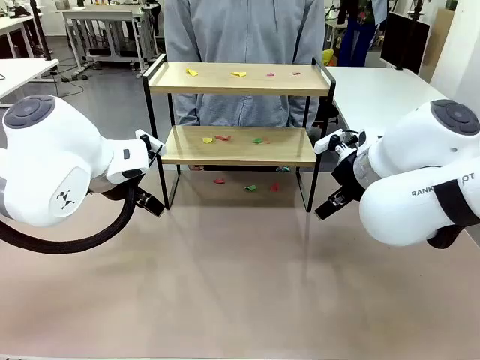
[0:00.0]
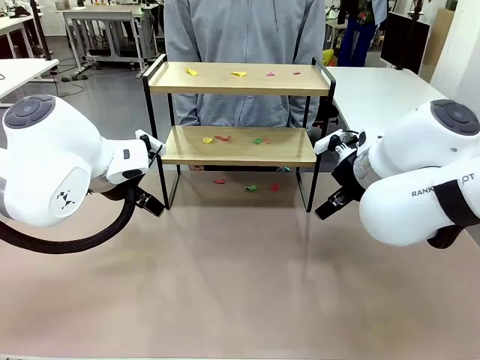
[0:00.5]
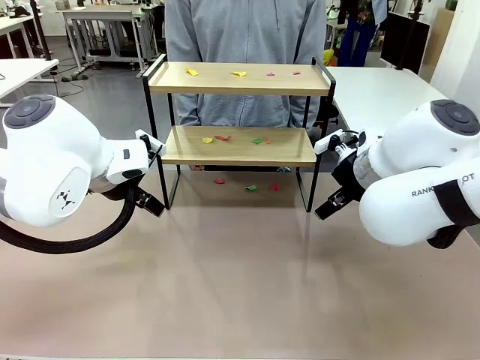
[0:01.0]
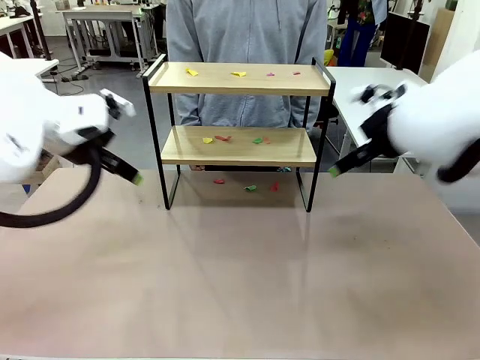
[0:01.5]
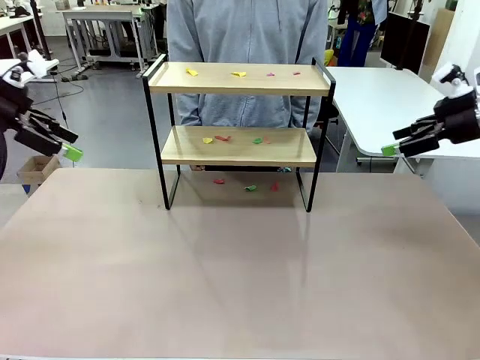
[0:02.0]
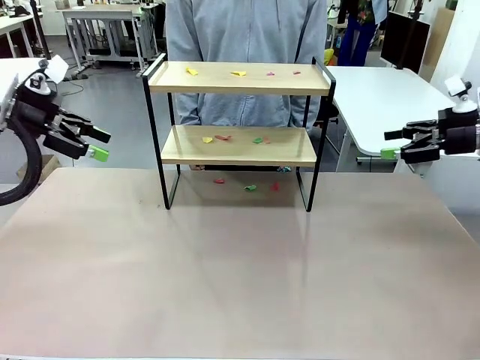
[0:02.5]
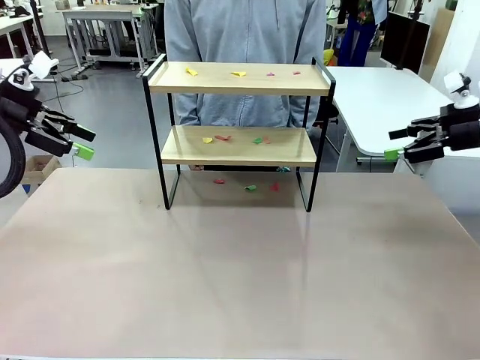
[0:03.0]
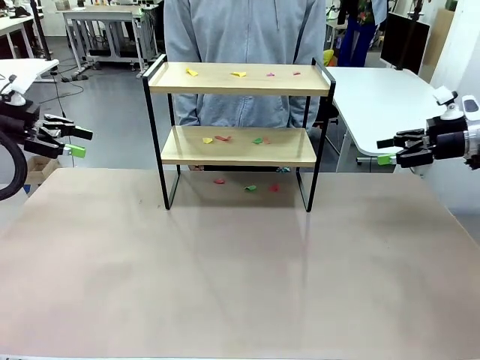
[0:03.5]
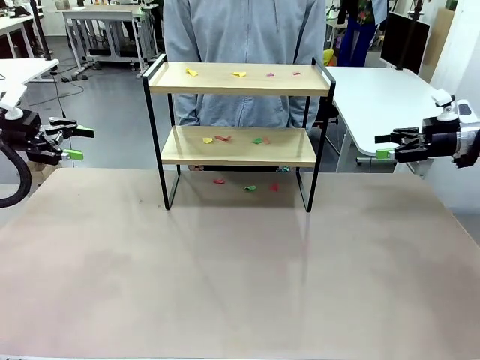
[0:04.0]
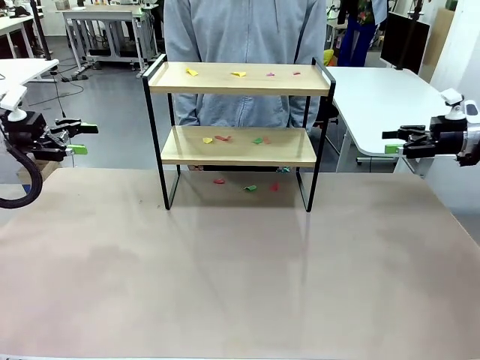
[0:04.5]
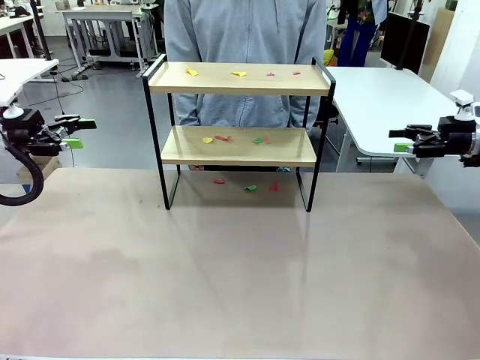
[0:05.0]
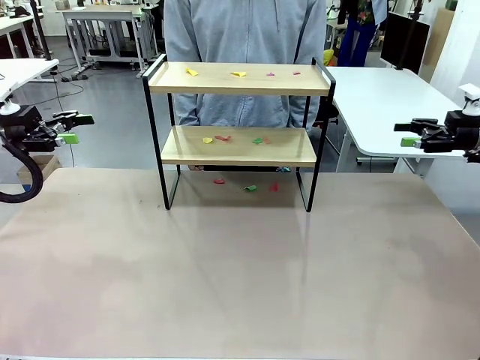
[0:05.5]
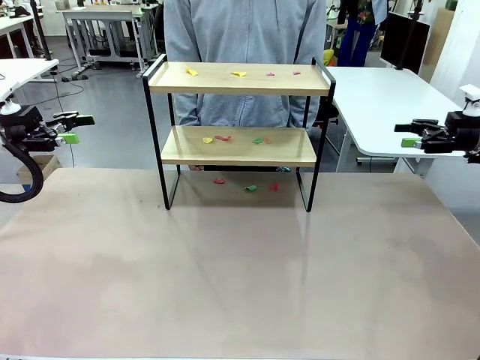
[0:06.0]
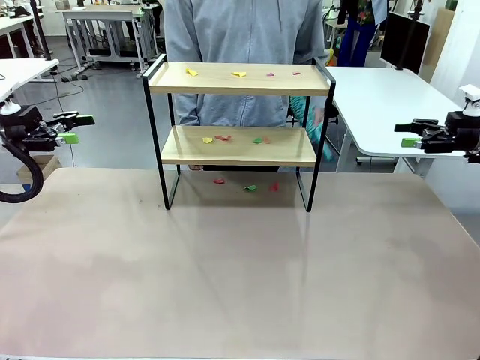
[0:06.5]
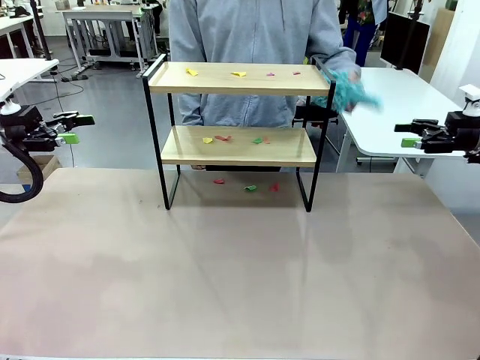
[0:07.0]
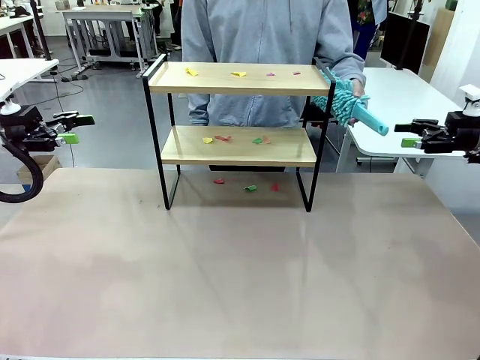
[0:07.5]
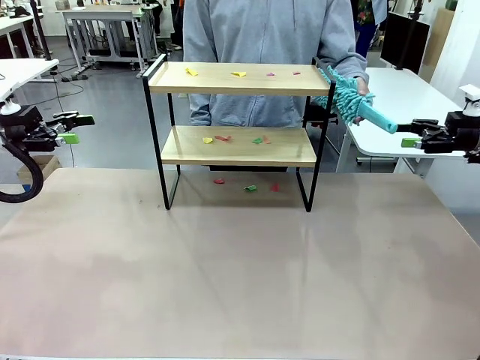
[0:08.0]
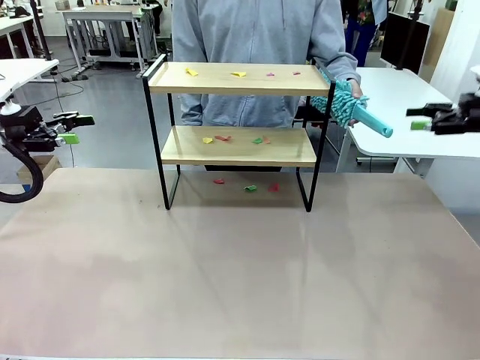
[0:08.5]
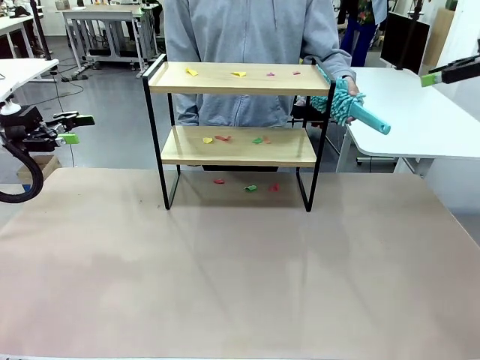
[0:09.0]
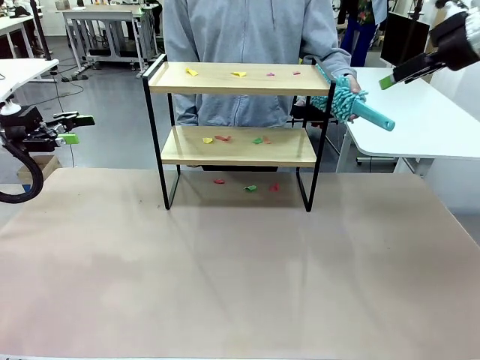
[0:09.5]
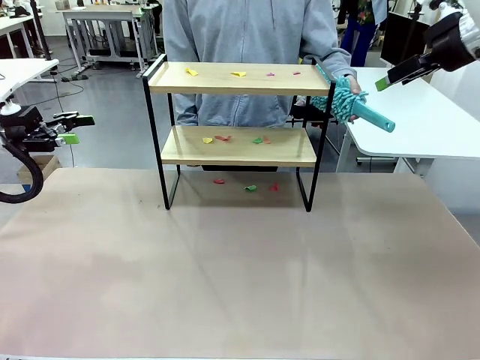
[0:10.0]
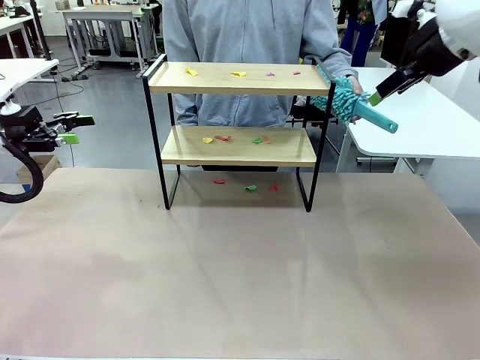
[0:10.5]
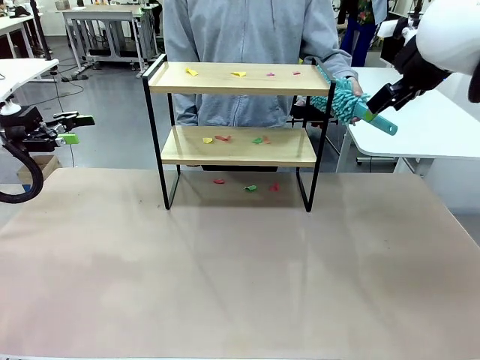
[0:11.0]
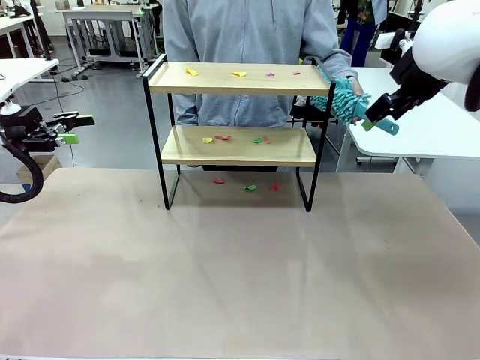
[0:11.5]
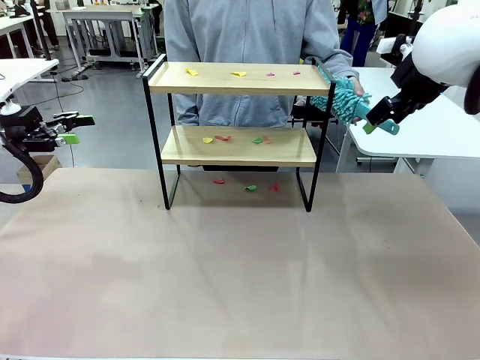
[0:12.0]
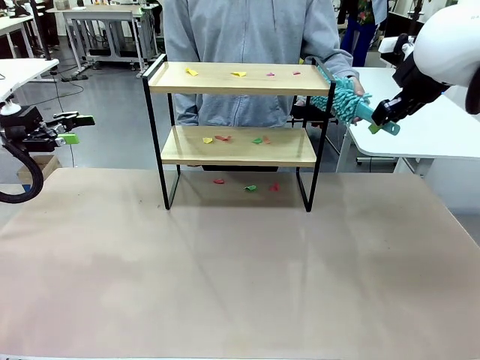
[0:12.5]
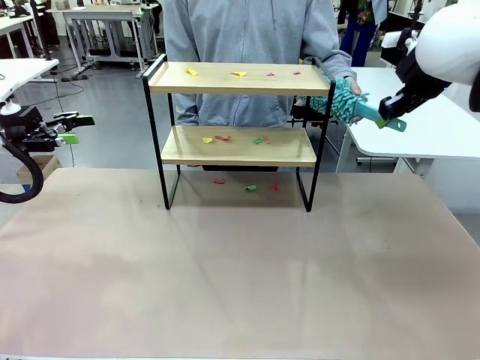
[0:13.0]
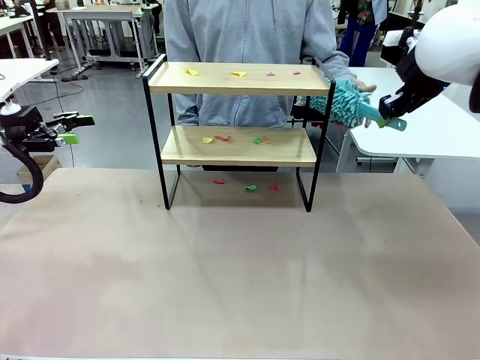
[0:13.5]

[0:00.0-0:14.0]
Task: Clean the shelf.
Robot: Pick up the Duster handed by the human.
Person: Hand the Duster to the robot.

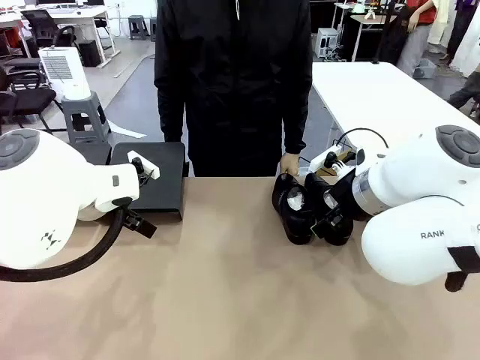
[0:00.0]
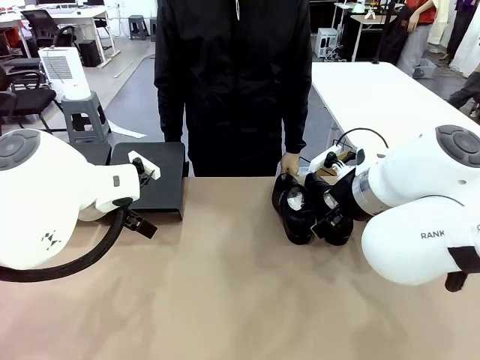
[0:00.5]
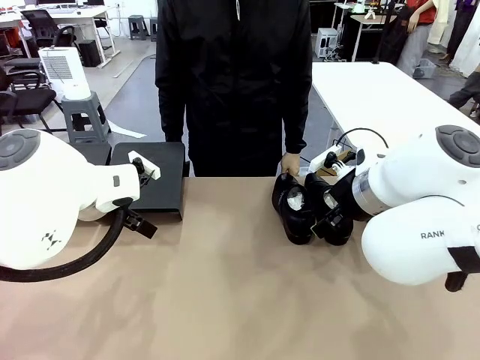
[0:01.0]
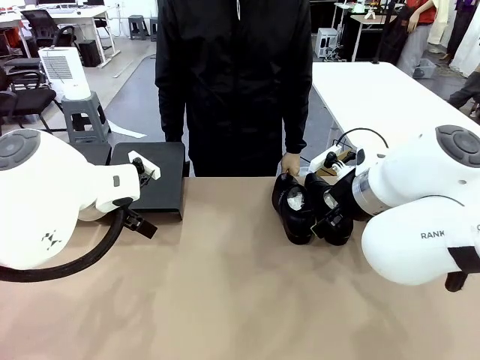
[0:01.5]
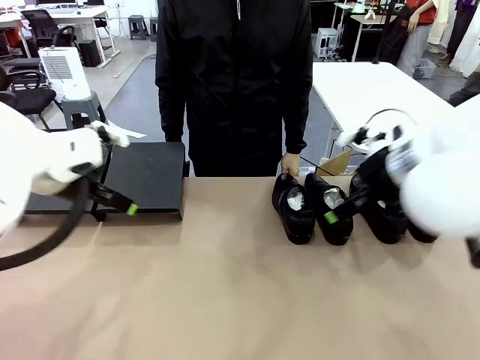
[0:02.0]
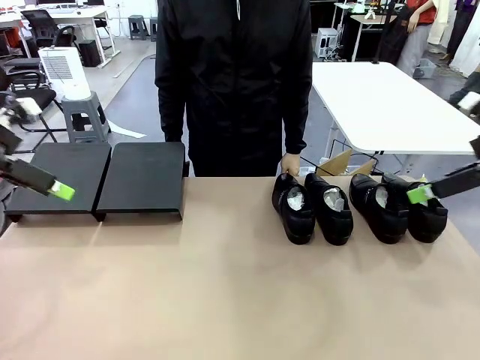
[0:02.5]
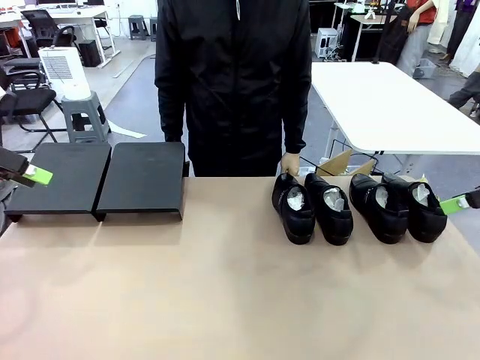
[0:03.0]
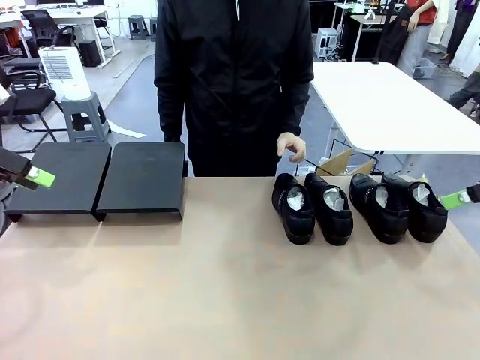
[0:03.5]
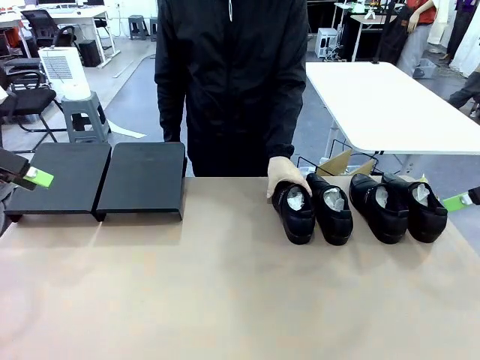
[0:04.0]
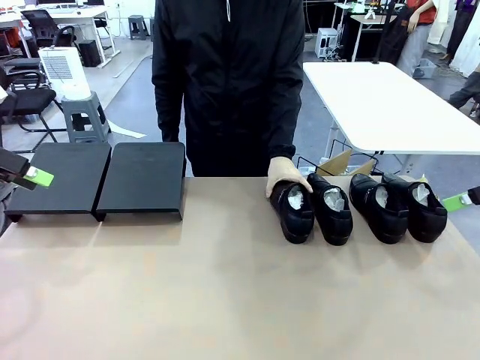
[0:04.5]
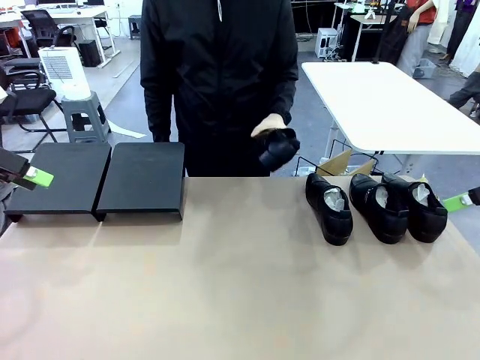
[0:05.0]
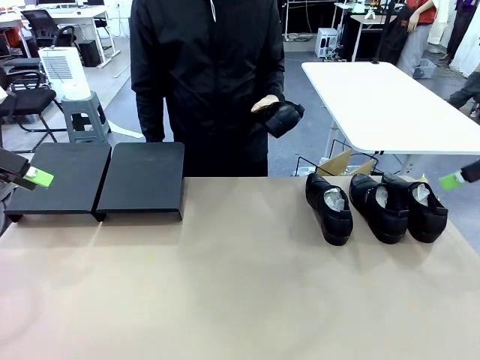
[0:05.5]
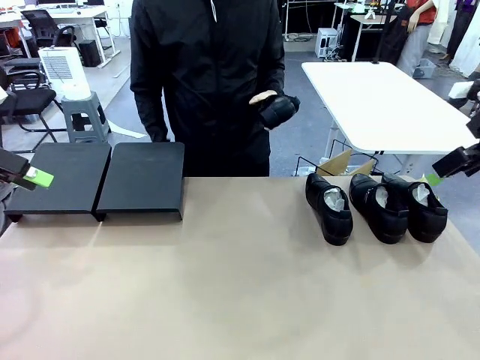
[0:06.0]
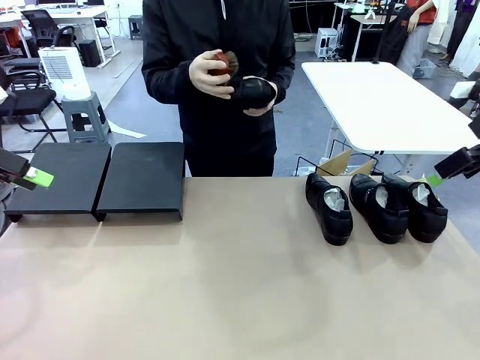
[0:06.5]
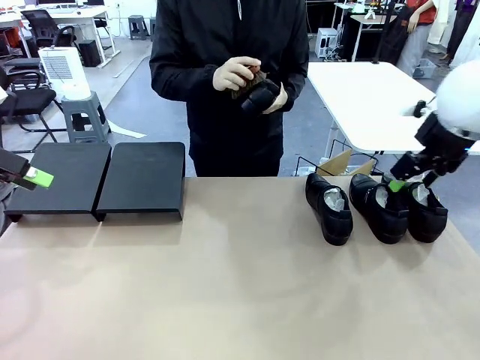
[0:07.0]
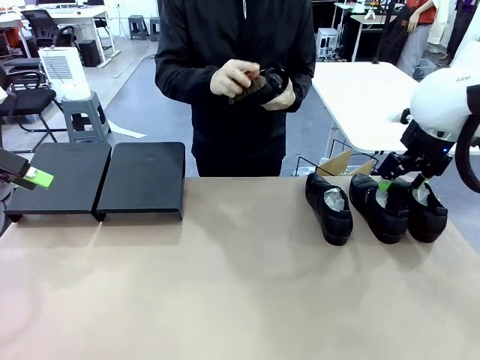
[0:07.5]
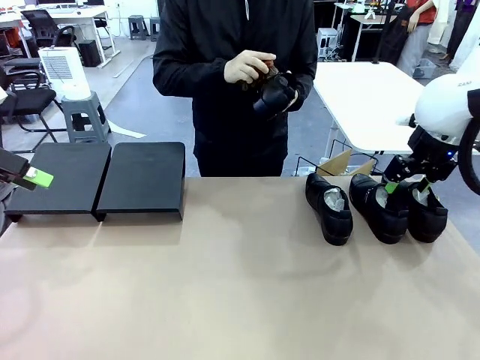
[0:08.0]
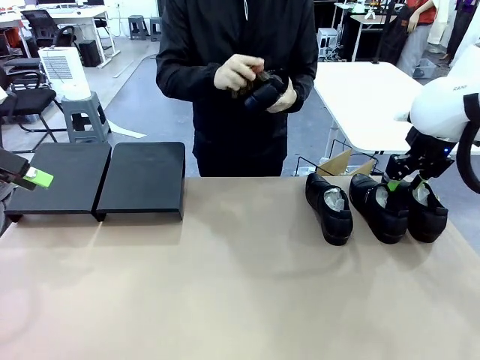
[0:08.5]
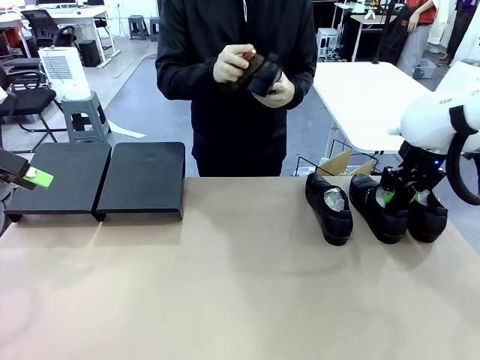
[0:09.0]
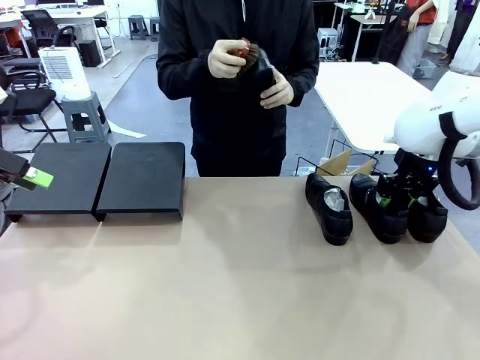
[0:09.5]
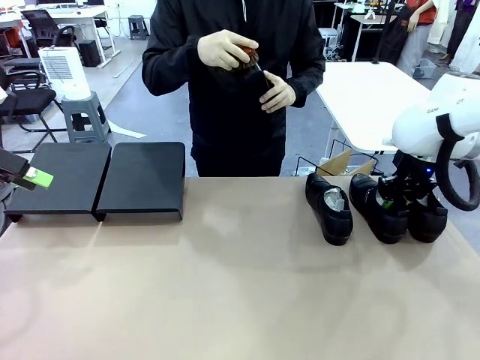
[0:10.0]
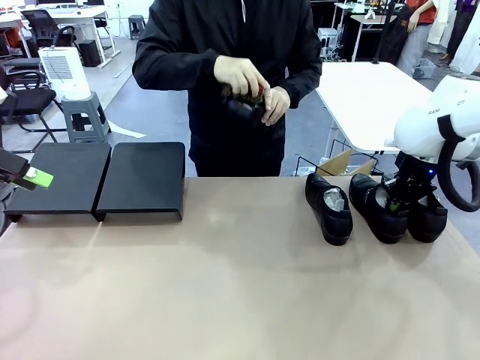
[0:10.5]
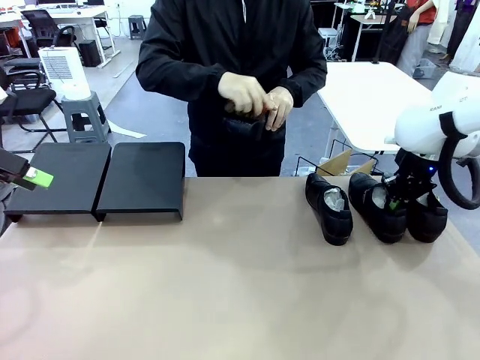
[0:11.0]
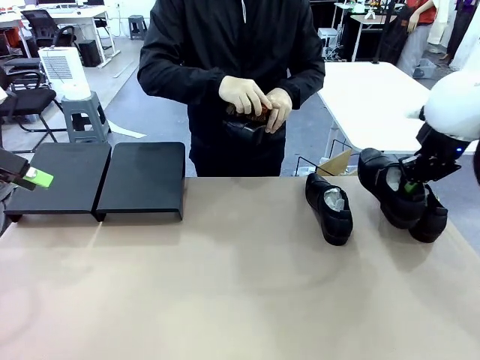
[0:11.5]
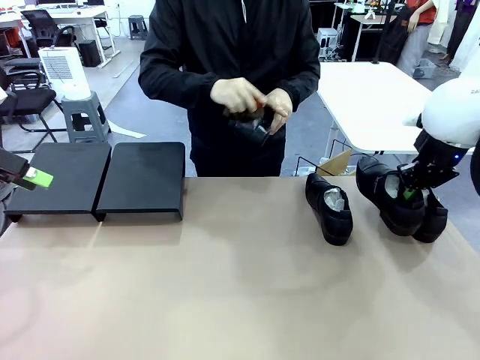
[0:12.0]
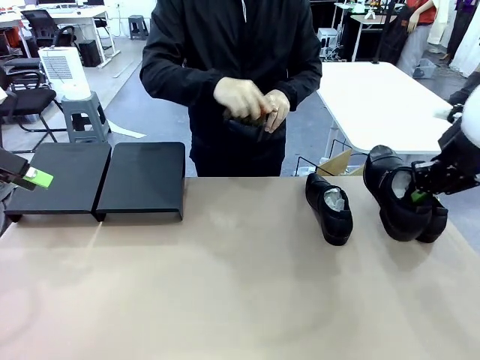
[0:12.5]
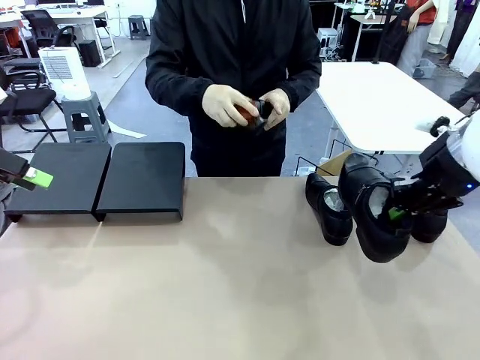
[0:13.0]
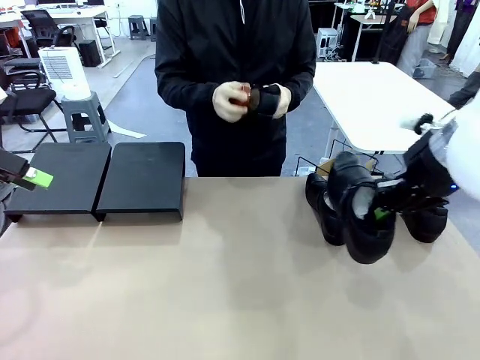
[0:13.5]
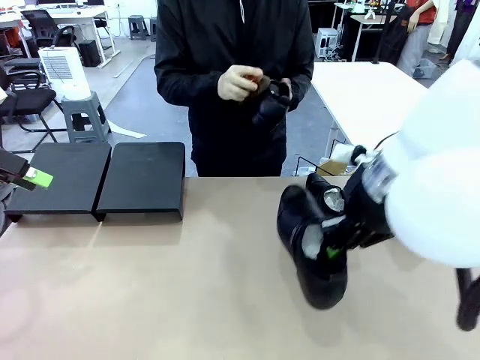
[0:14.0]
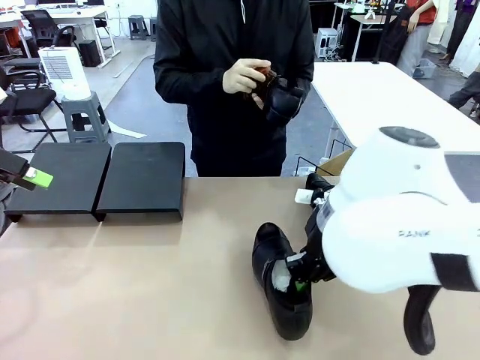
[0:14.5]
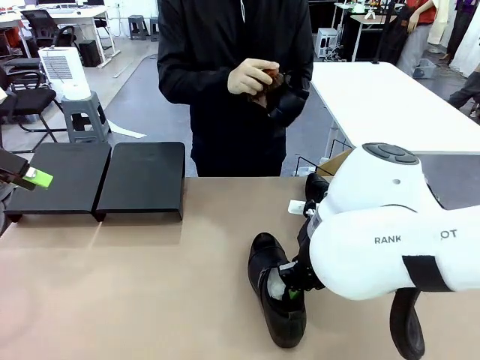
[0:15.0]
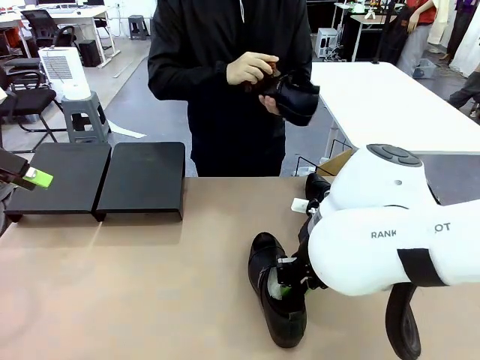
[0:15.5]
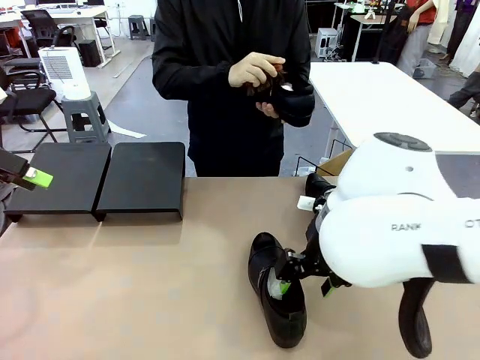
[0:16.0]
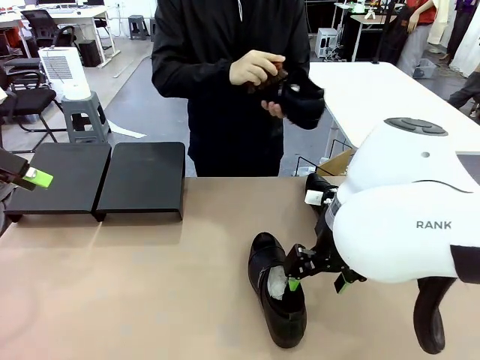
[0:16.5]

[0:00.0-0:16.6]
Task: Organize the shoes by placing them on the stand.
Robot: Pick up one Shoe and place it in the middle of the table.
Person: Pick one Shoe on Robot's table. Clean the Shoe with the Shoe Brush.
